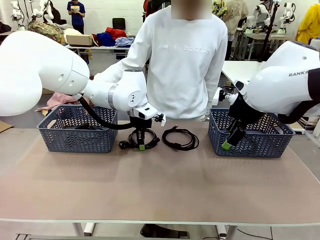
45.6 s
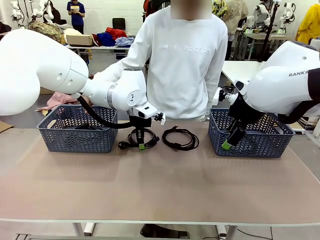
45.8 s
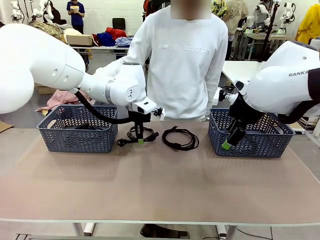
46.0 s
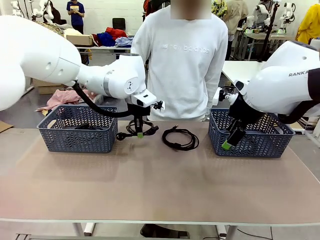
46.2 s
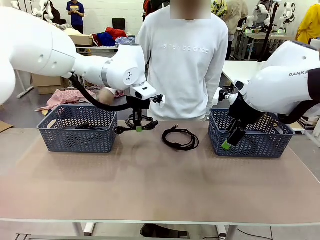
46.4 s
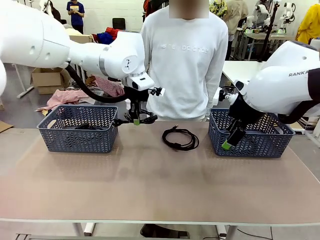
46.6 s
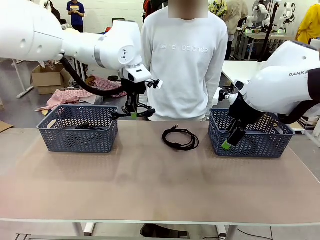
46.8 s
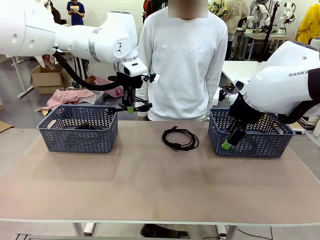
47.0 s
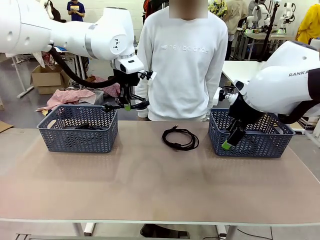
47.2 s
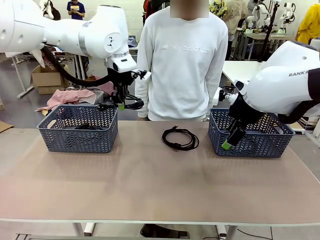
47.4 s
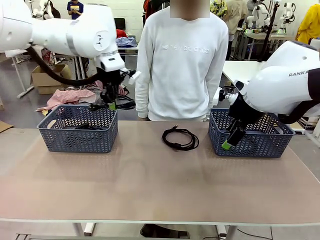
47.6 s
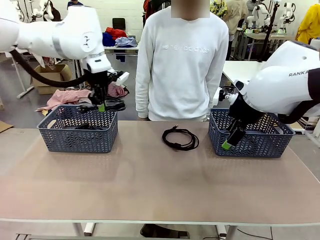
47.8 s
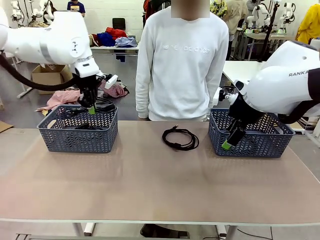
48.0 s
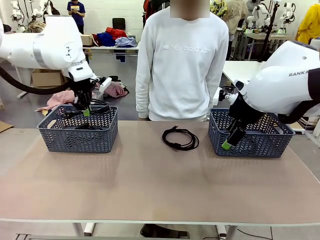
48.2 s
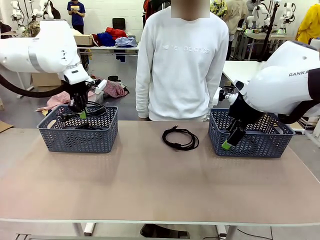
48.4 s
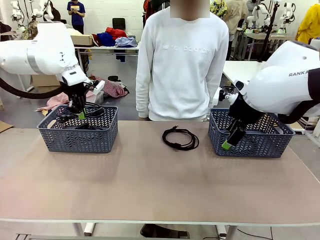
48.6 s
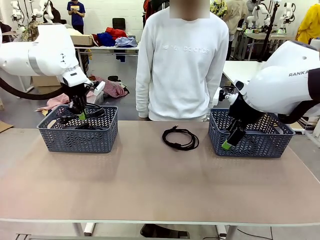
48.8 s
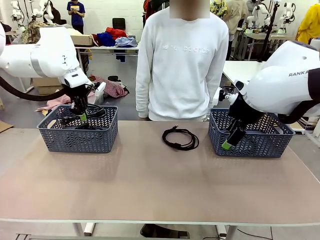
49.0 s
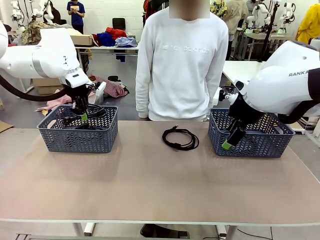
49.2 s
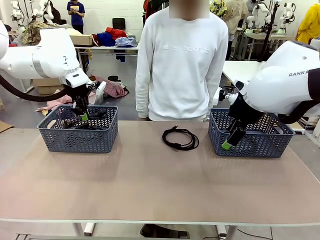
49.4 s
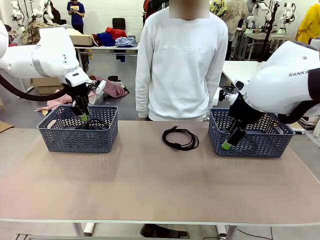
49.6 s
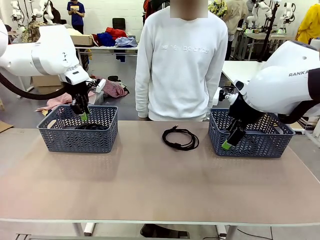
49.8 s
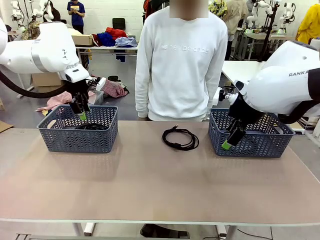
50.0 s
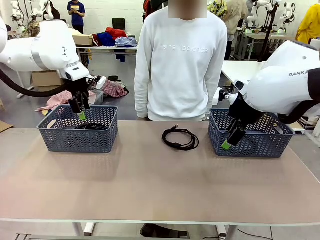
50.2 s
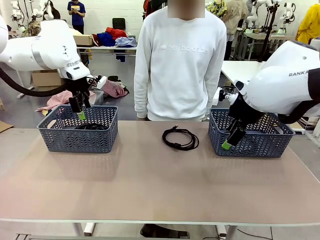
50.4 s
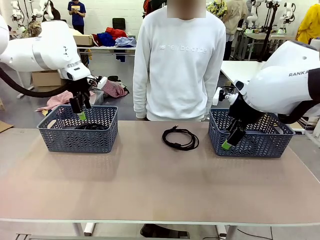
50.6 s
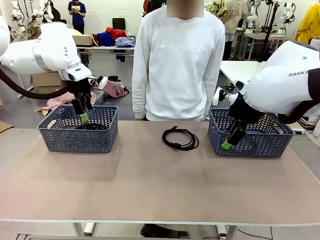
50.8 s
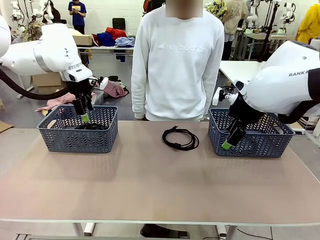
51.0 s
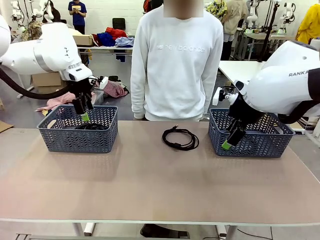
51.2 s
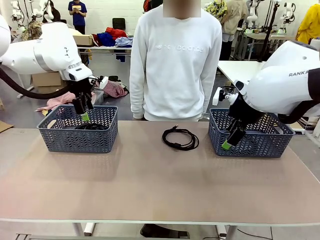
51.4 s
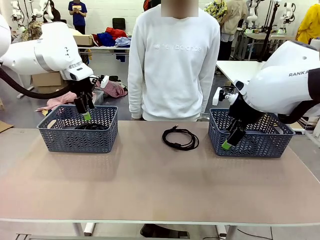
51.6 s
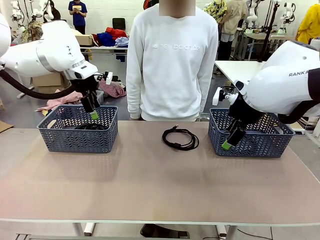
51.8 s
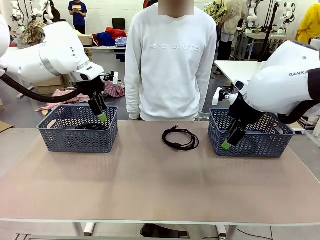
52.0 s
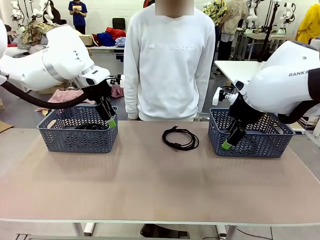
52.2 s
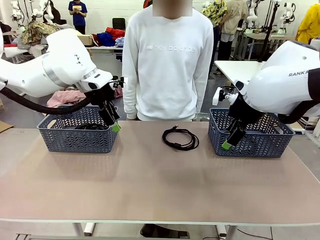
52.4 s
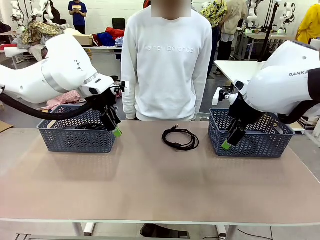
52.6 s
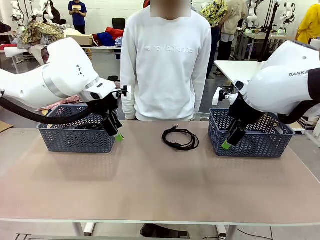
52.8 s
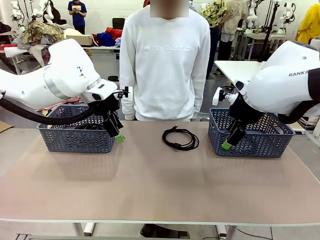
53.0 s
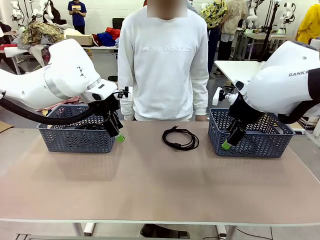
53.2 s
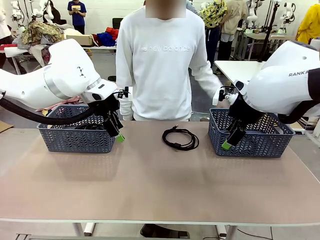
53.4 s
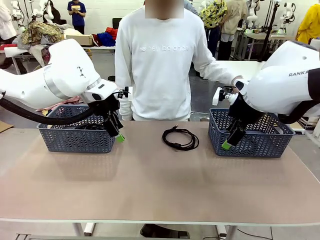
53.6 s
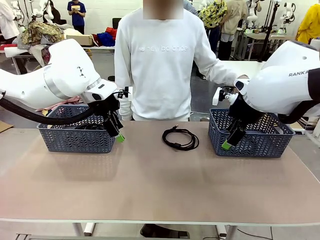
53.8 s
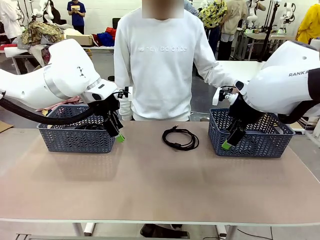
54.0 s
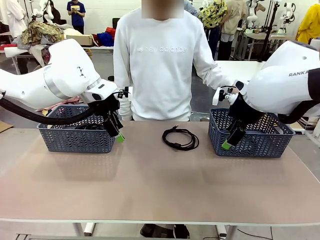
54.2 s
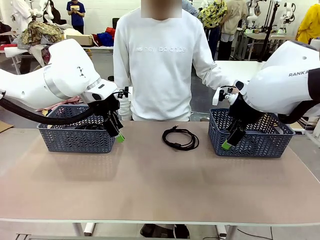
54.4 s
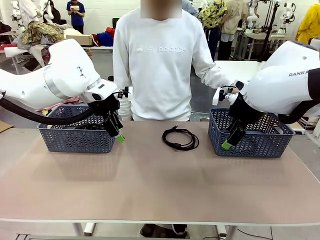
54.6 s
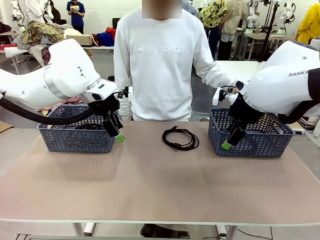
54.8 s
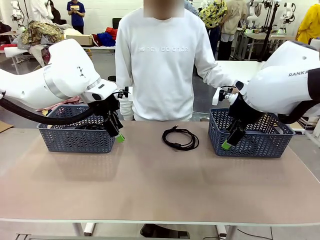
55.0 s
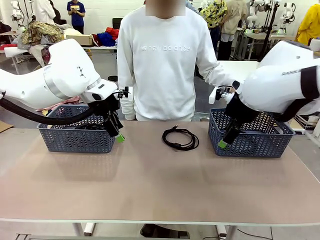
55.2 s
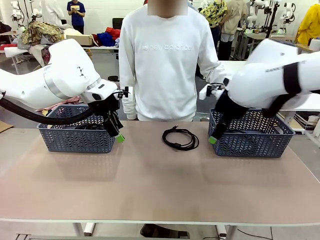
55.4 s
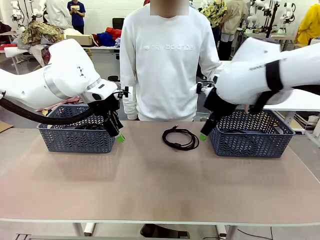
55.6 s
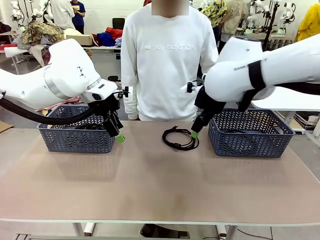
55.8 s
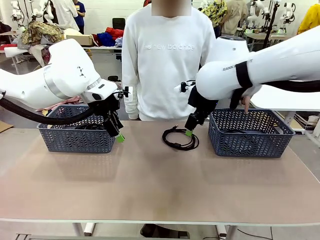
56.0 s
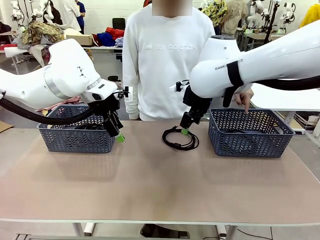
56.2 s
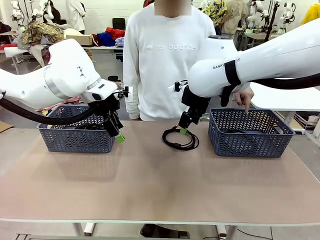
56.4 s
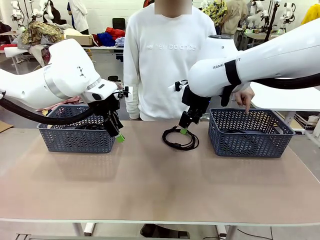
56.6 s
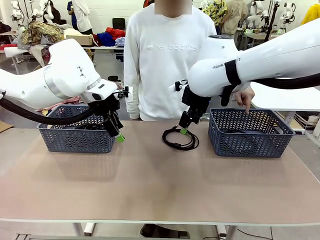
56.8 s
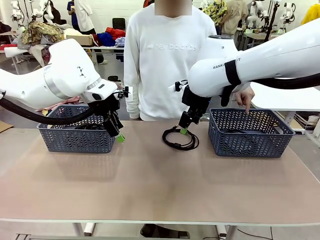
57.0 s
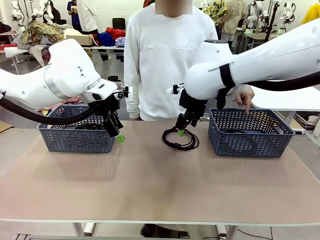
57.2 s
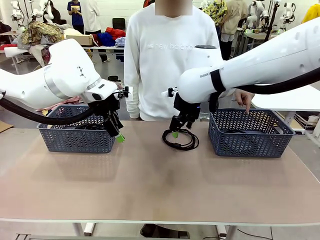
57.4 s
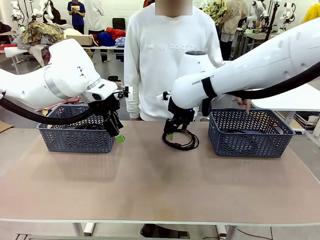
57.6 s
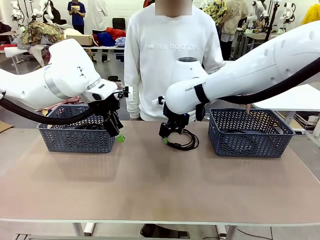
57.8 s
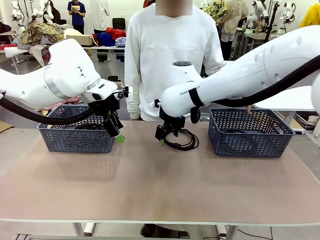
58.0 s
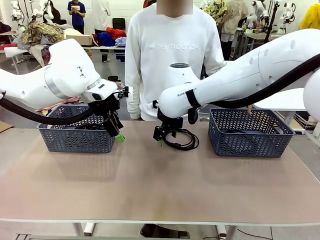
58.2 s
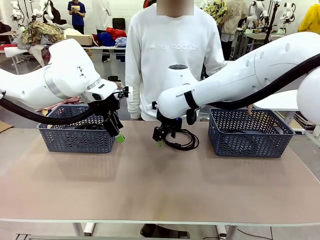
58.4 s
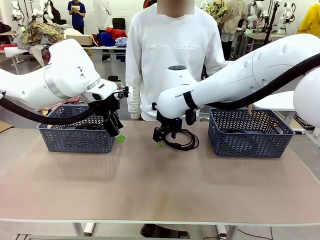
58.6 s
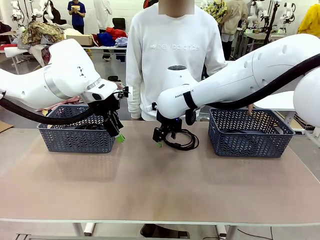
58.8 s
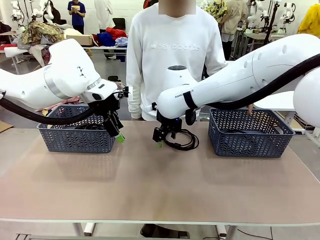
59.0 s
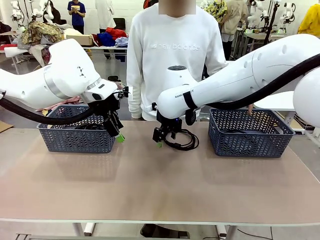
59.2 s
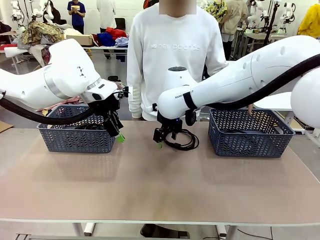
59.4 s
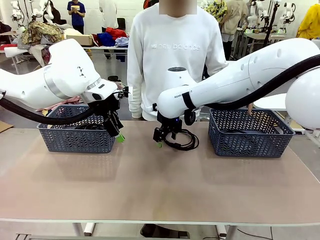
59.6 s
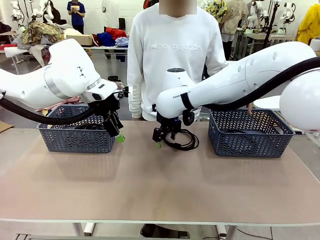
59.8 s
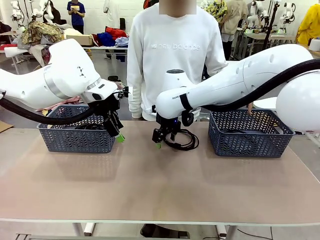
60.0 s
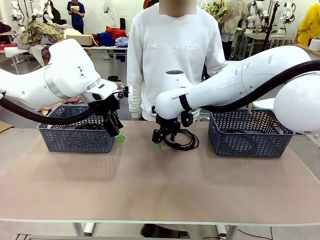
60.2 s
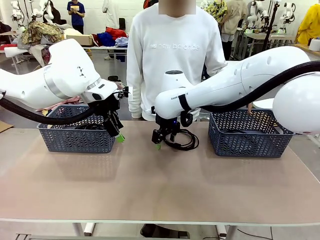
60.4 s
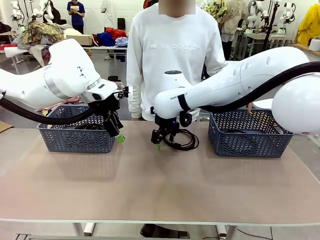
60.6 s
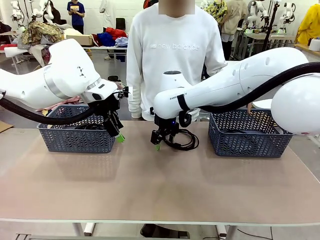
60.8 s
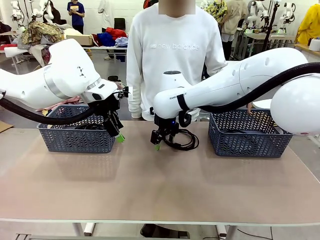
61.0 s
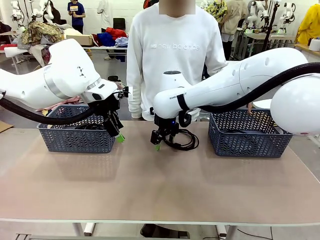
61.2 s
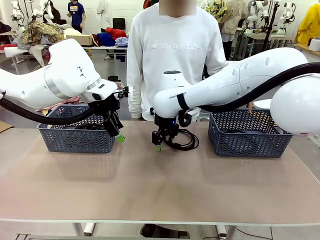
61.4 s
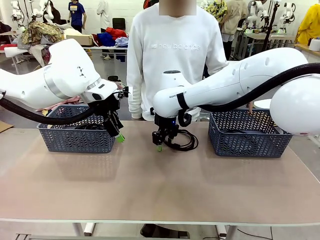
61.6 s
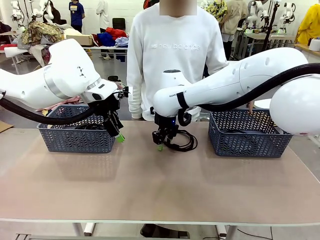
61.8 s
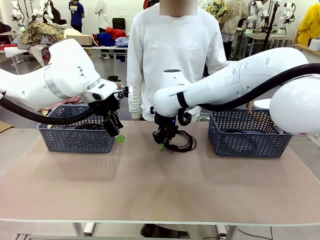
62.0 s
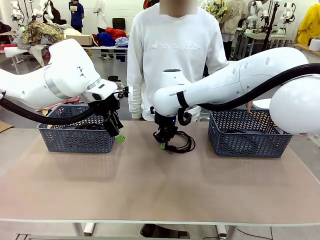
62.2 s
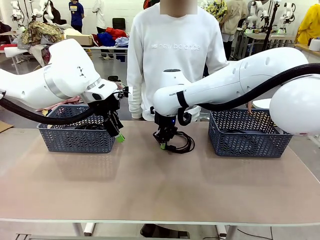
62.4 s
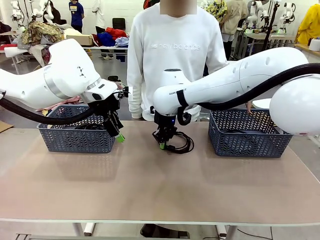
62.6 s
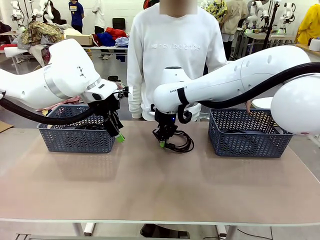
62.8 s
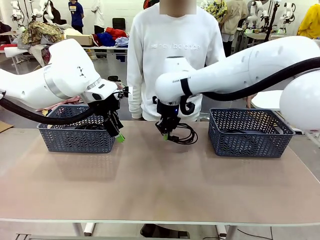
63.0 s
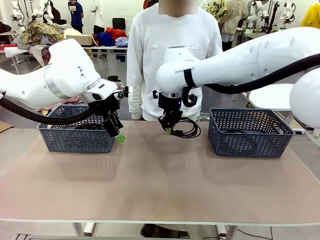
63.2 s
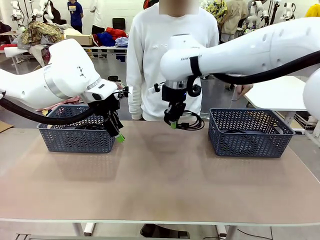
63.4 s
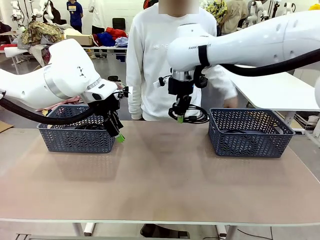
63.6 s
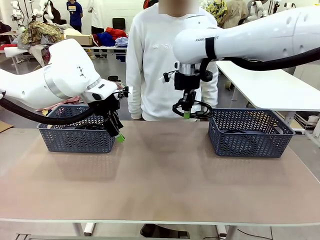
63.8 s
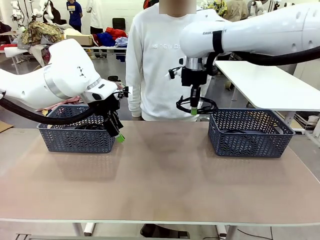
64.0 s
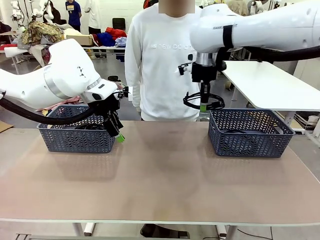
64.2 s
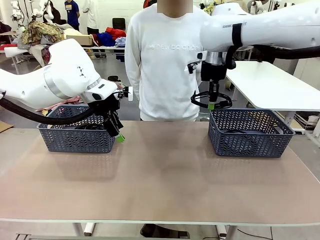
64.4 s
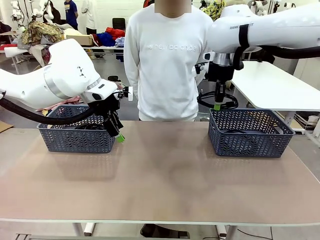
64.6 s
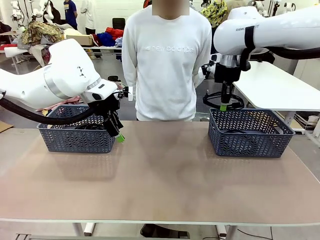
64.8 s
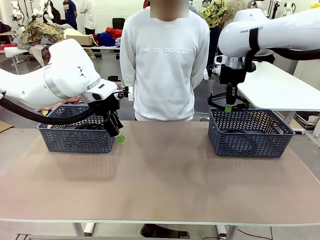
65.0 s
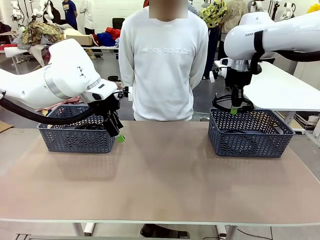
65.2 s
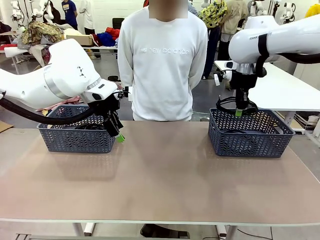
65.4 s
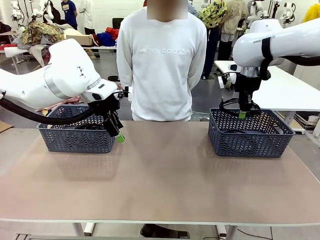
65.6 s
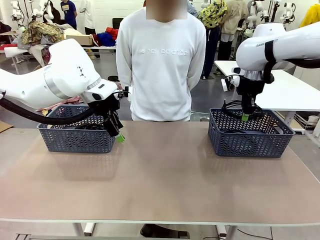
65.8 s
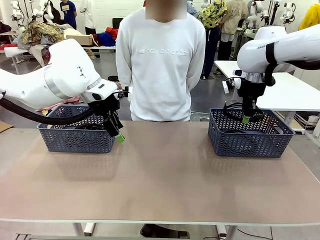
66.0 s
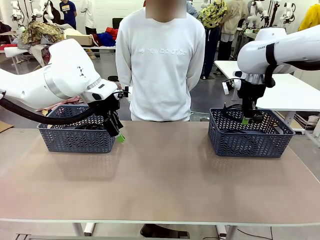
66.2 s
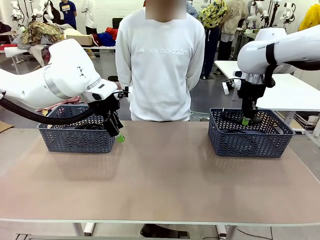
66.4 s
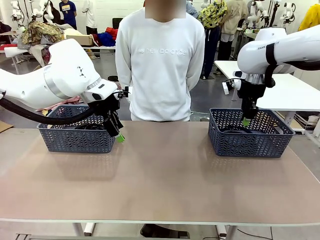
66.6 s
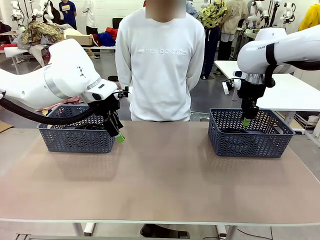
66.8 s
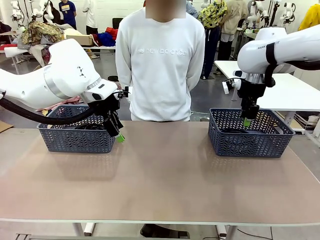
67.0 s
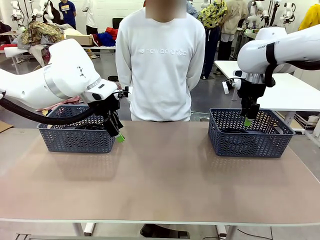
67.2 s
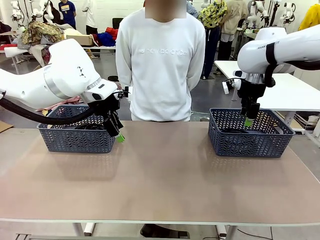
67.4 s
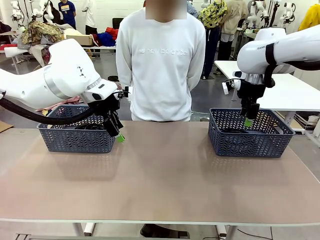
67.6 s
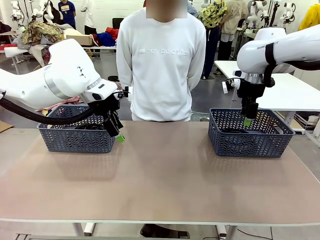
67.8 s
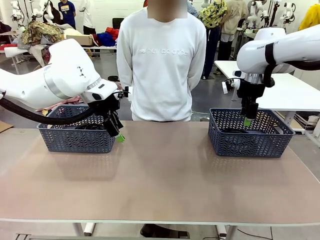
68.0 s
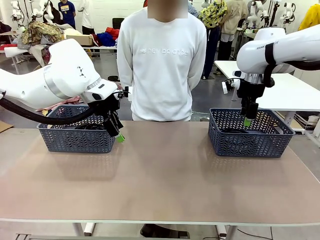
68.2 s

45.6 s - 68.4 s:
Task: Organize the cables according to human instructions.
Robot: Pick up a bundle of cables and place it in the basket indicated by the human.
